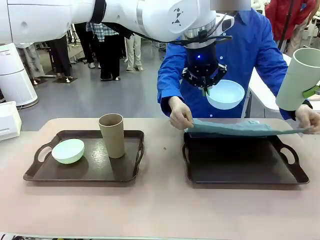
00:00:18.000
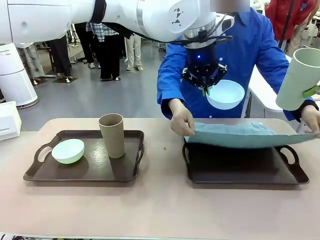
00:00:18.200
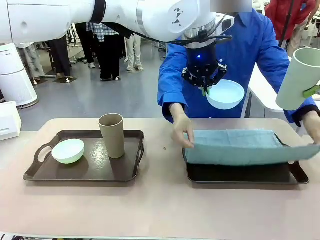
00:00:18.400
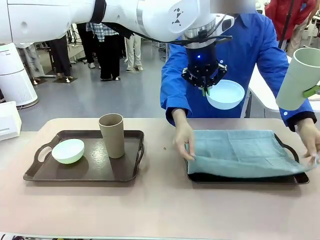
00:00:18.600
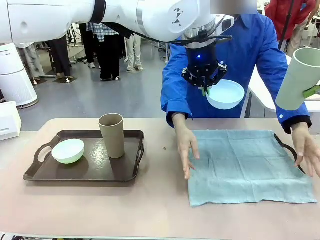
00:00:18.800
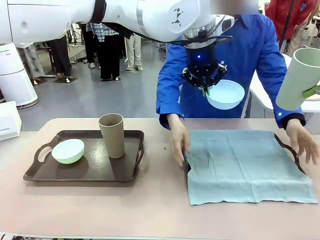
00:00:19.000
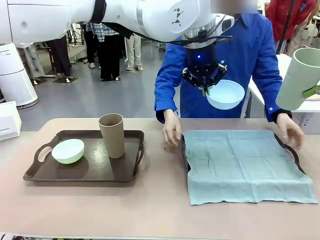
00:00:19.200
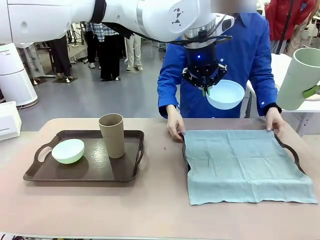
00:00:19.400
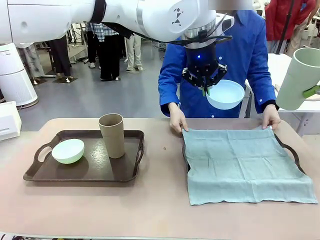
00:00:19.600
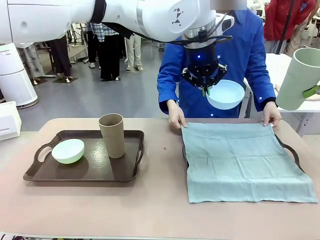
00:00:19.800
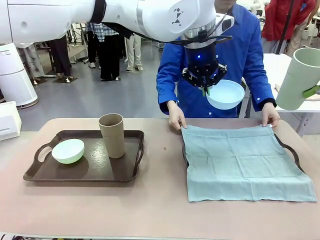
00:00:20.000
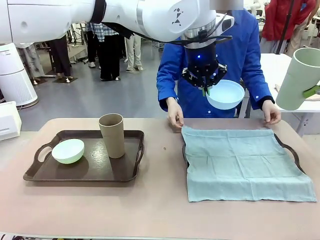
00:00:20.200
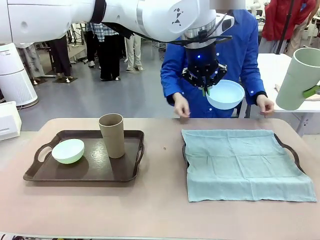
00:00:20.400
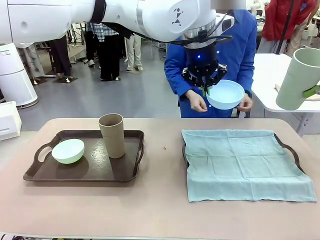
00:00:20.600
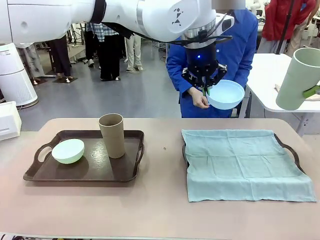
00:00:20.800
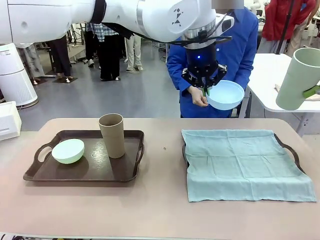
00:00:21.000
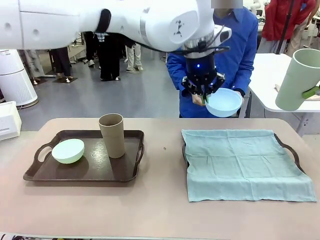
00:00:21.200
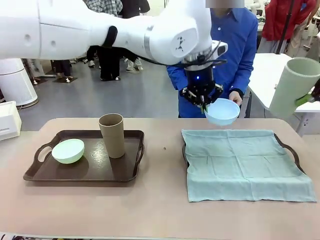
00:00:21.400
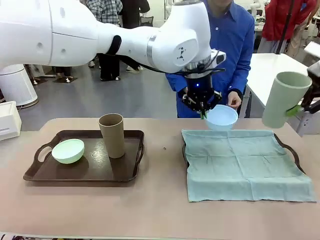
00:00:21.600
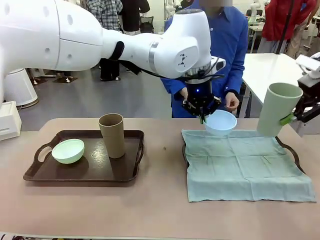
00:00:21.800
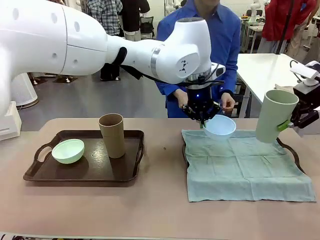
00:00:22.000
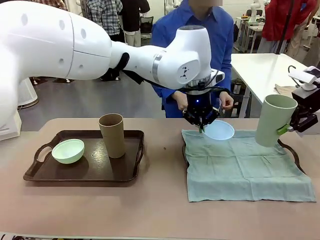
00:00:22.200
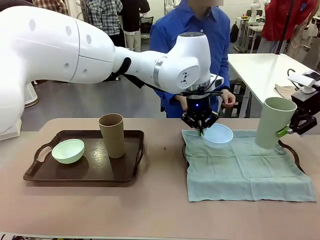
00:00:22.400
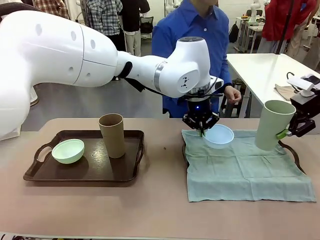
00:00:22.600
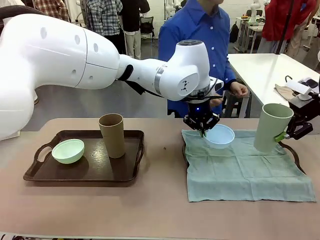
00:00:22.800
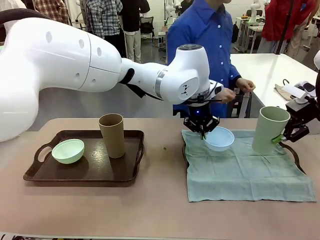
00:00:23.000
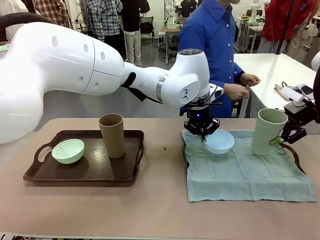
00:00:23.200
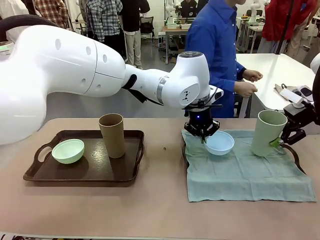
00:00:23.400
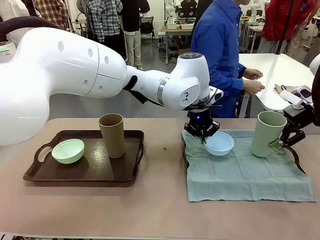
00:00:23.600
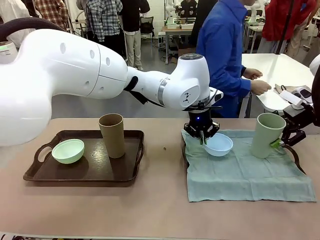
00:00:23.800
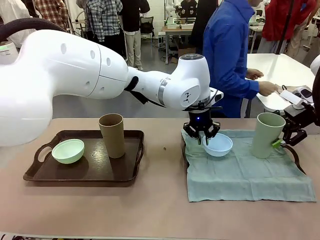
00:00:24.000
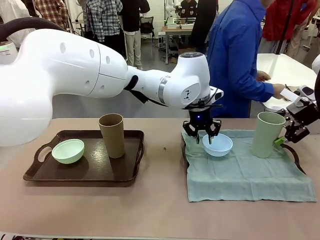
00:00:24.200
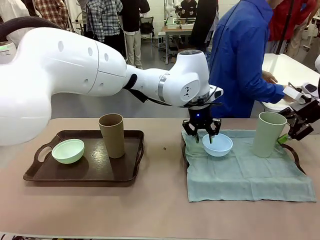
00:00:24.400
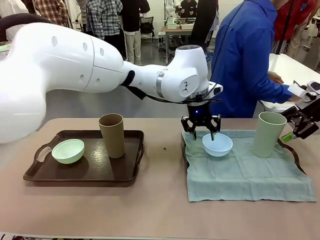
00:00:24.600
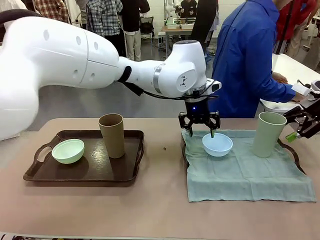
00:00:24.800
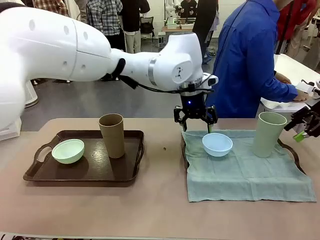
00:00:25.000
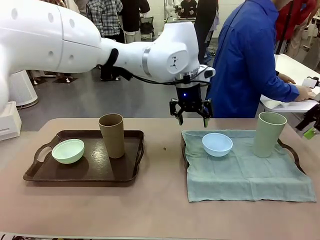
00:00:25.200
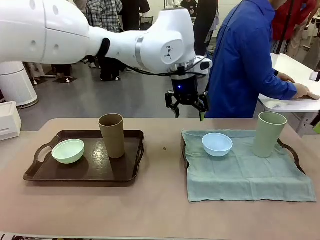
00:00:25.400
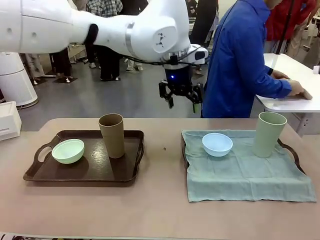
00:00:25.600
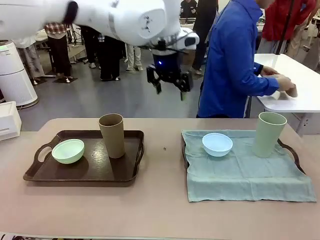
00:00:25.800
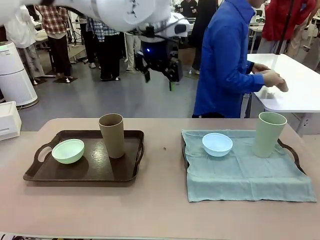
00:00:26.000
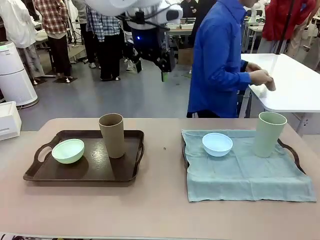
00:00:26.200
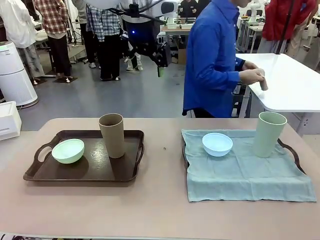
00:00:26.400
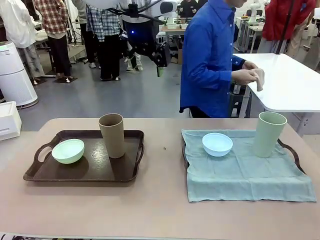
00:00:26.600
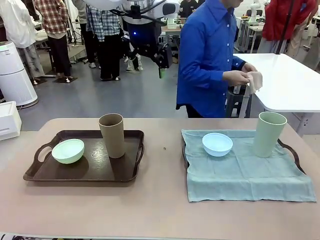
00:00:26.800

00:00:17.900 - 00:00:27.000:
Robot: Place the Picnic Bowl and Reusable plastic cup back onto the Handle tray in front of the human's position.
Person: The human returns to the human table to pick up another napkin and walks to the robot table to stand in front of the tray without a napkin.

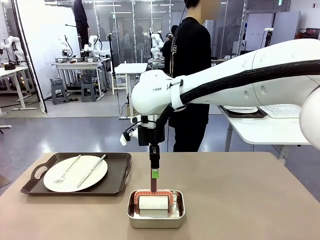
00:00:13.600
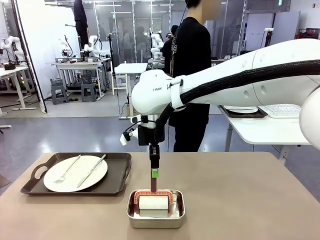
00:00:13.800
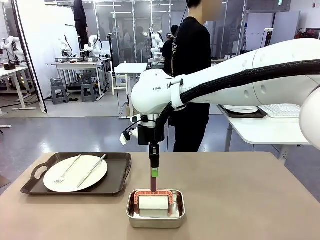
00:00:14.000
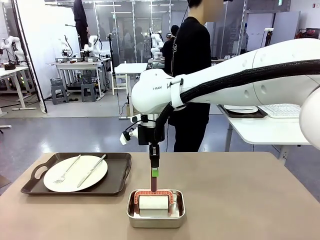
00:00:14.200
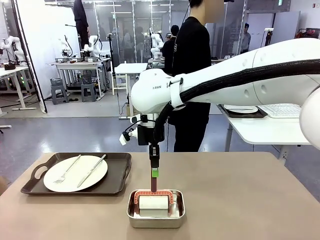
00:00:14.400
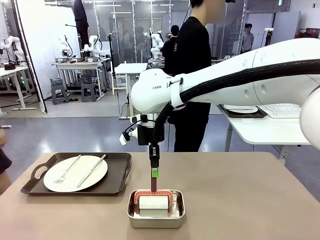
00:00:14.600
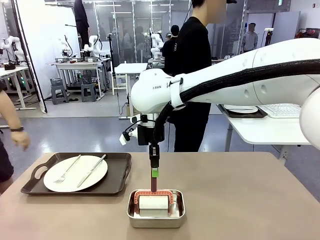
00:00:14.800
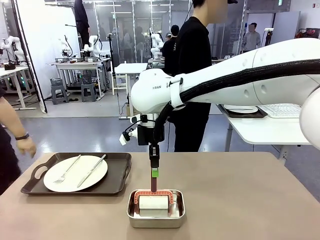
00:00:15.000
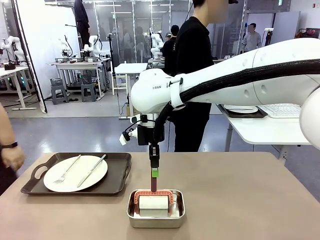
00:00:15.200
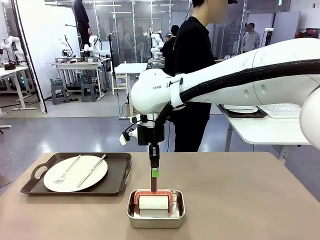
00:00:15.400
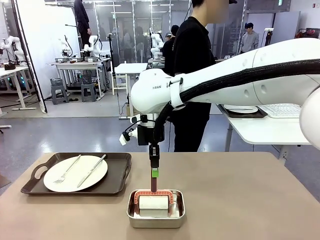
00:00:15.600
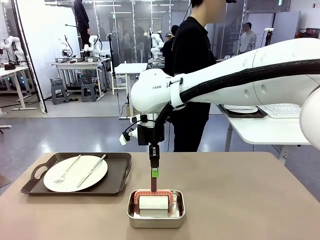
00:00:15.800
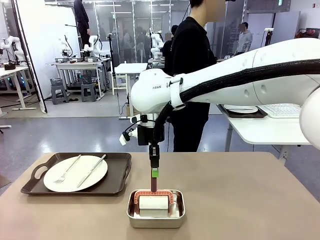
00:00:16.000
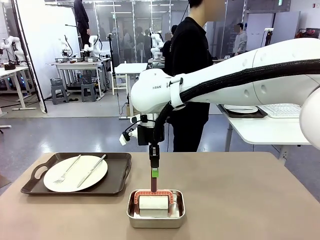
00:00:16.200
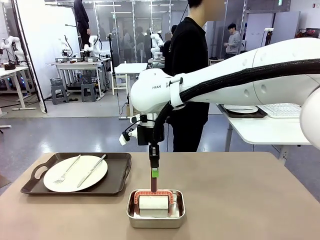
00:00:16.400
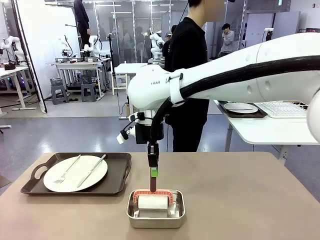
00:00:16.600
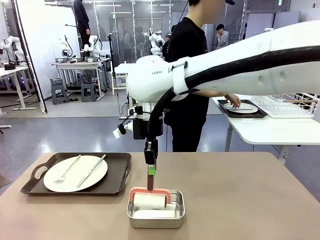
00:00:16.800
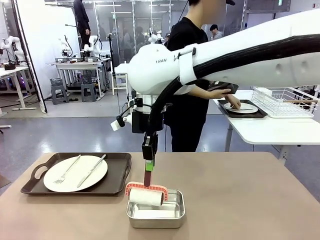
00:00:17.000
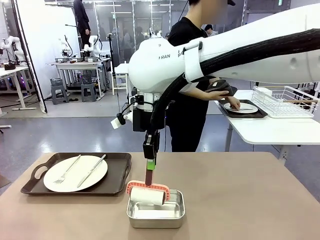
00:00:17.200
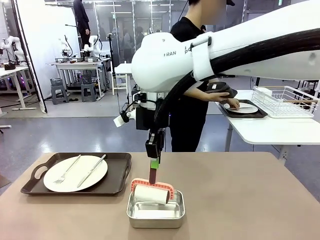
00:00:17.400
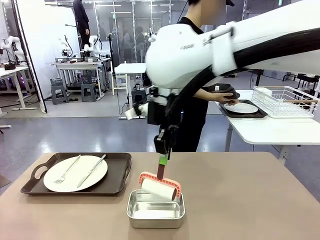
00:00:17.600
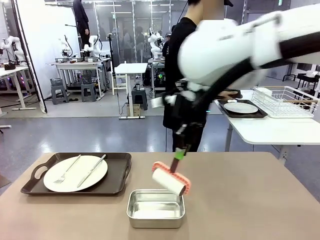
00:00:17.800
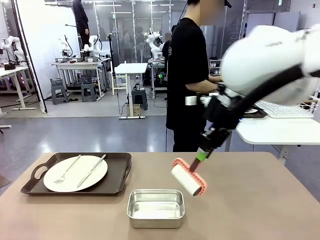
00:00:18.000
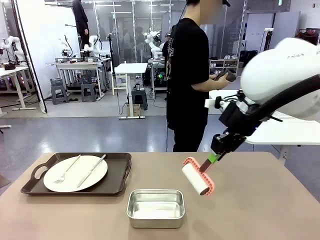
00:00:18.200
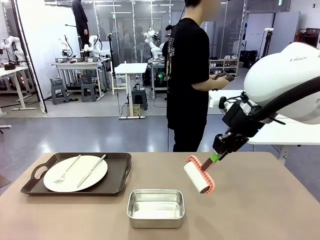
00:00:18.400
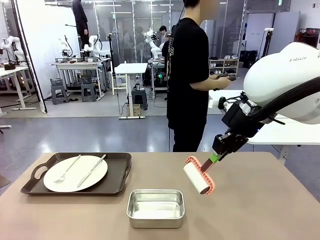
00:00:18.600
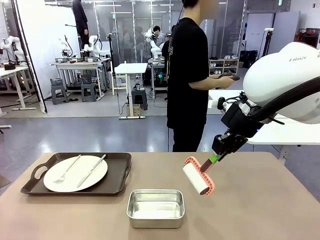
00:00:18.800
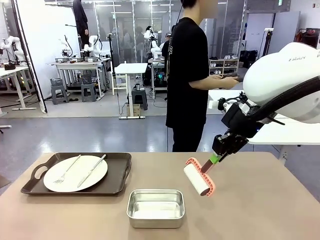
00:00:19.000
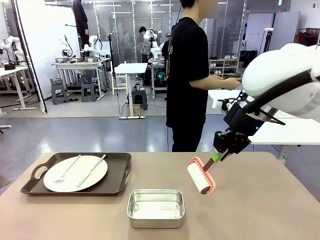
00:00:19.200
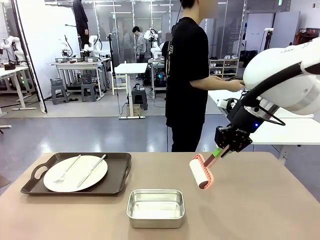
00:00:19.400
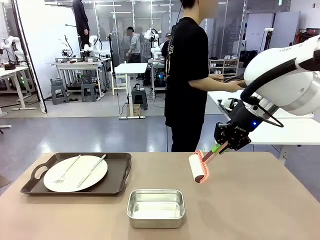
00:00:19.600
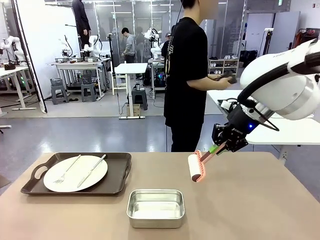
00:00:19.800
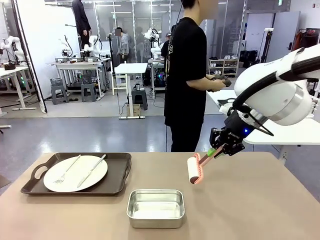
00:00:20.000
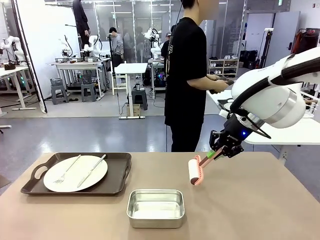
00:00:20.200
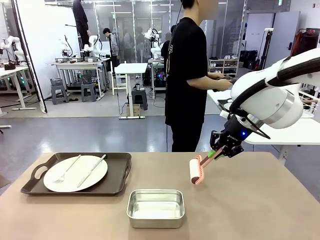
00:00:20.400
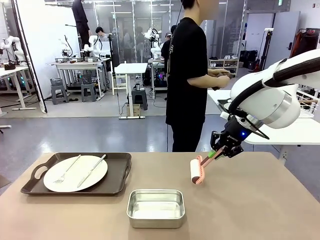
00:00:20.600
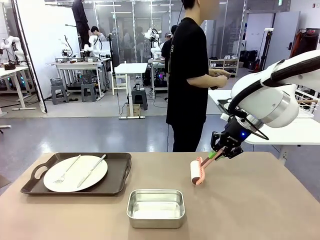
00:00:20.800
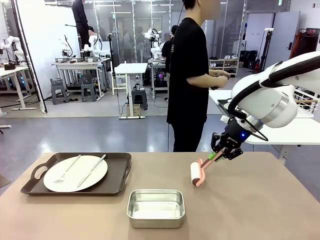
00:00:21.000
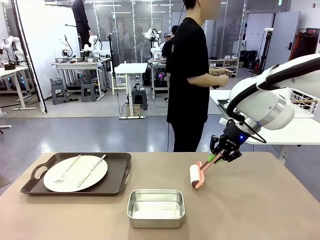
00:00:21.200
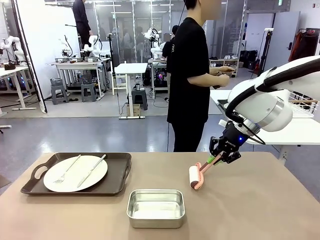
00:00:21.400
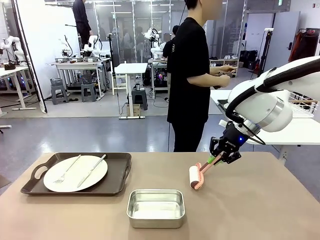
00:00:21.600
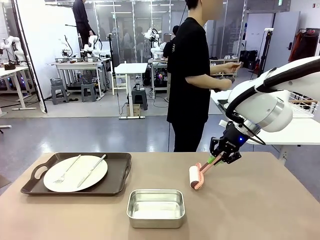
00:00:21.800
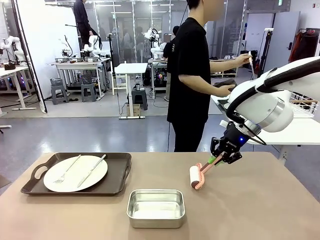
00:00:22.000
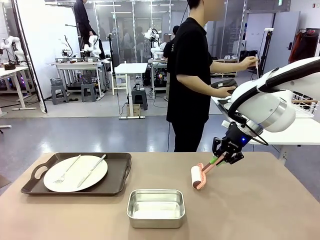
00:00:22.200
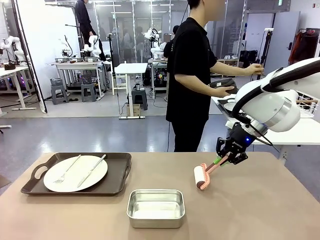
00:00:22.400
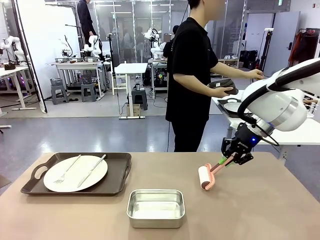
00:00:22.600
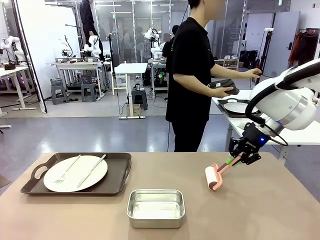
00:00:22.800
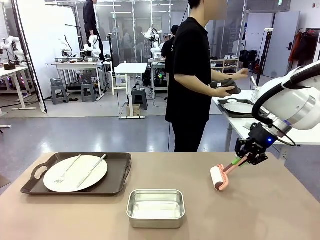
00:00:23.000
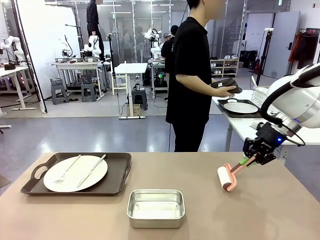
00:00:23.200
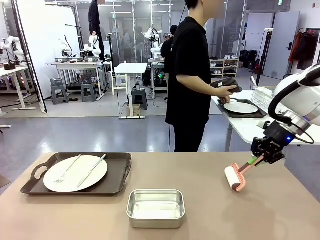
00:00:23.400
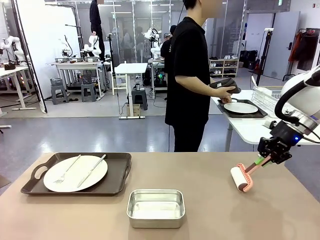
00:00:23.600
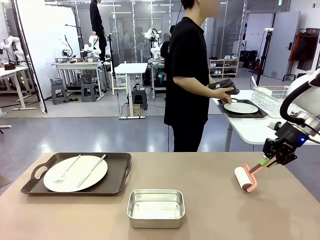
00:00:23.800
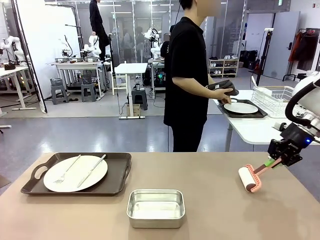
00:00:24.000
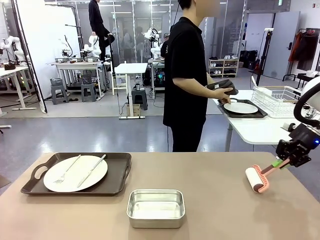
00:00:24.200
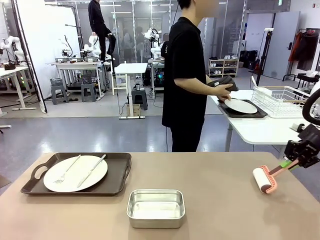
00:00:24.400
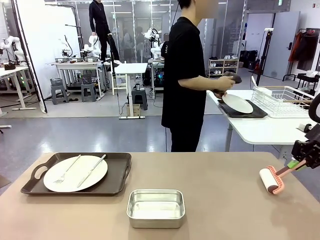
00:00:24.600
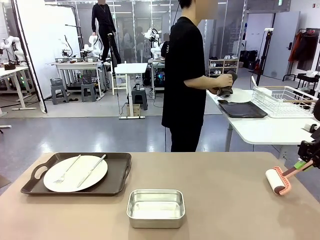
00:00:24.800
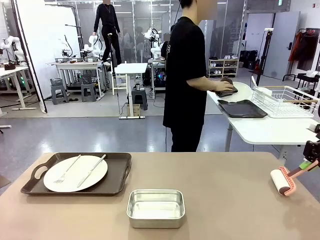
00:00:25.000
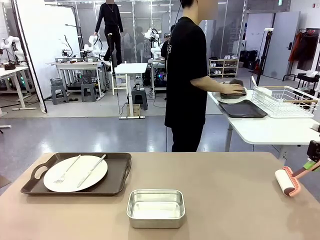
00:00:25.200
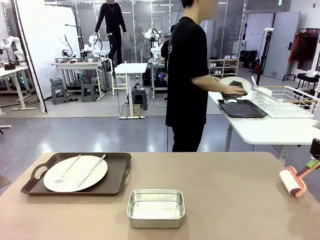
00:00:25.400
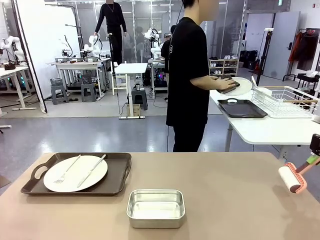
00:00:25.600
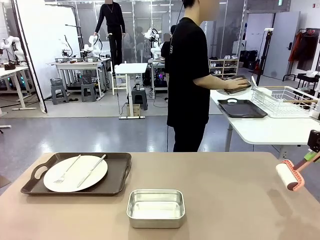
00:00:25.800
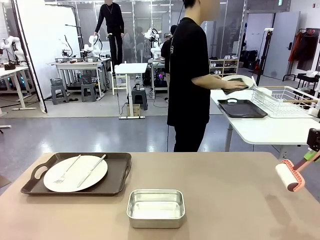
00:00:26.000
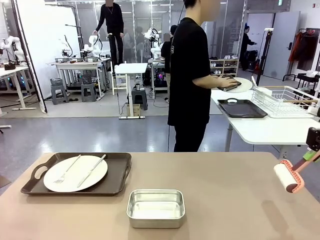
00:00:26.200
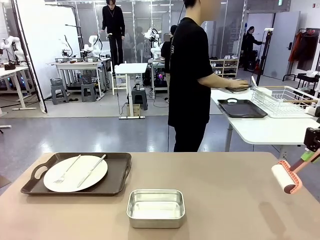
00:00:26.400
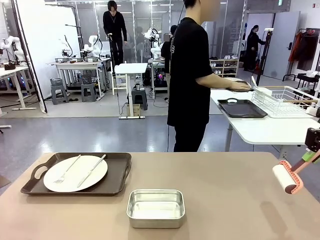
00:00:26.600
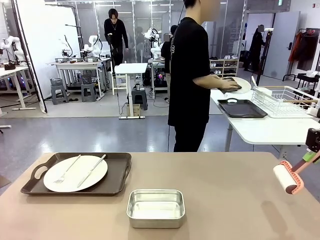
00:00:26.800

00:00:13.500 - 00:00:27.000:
Robot: When the left (or right) Handle tray is removed, use the left hand (or right hand) to clean the left (or right) side of the table with the Lint Roller.
Person: Use the Towel with hook to wipe the Plastic Matte Plate , Fork , and Knife and place into the Dish drying rack.
